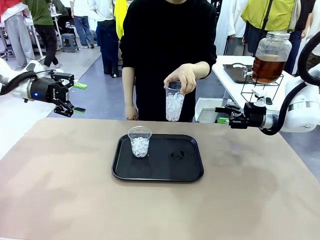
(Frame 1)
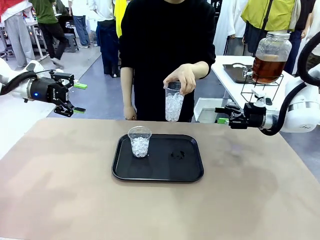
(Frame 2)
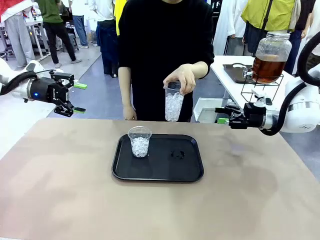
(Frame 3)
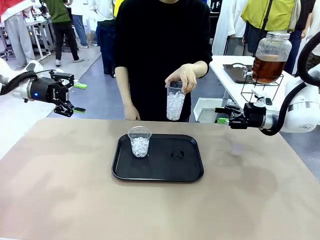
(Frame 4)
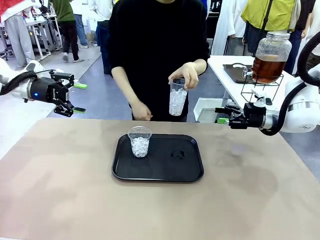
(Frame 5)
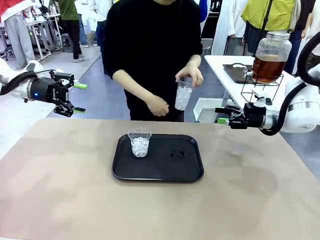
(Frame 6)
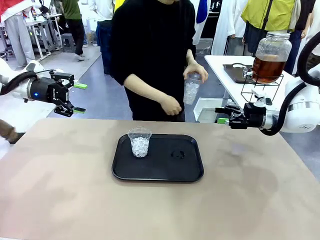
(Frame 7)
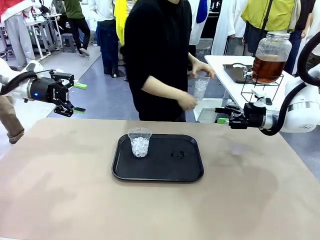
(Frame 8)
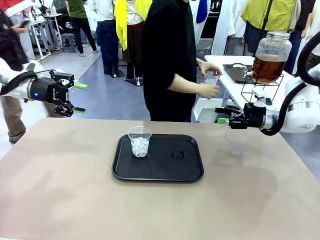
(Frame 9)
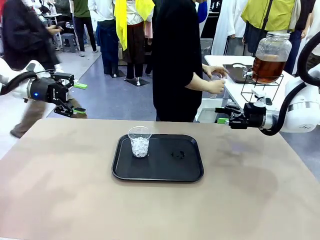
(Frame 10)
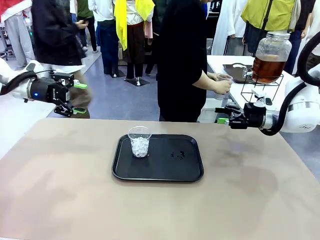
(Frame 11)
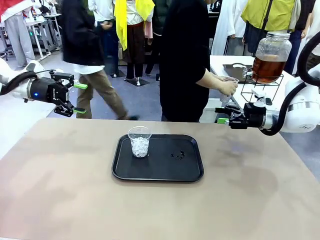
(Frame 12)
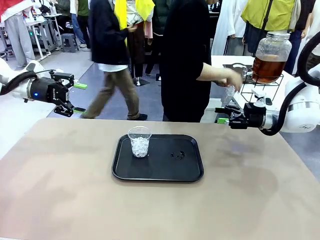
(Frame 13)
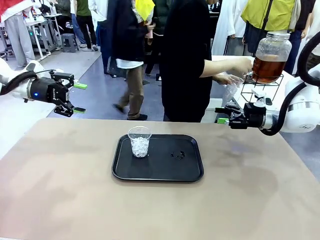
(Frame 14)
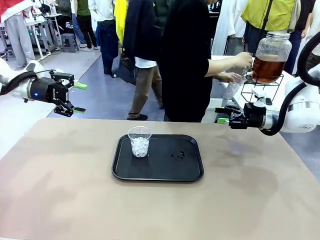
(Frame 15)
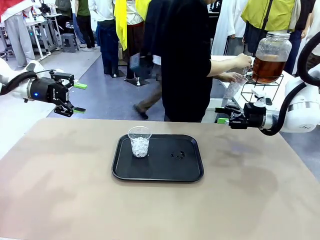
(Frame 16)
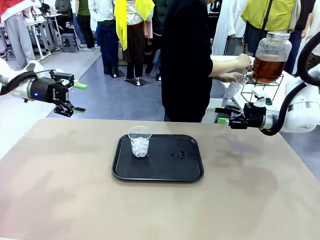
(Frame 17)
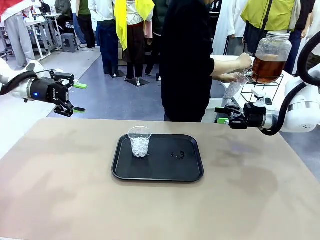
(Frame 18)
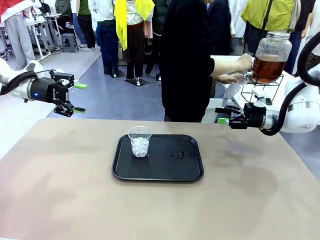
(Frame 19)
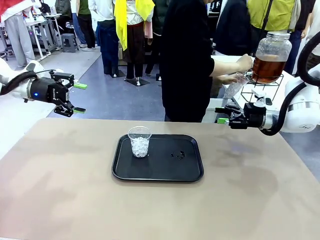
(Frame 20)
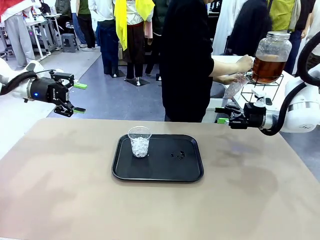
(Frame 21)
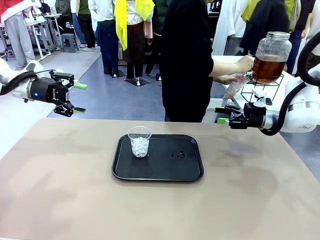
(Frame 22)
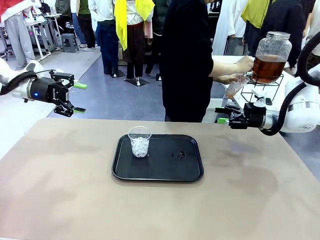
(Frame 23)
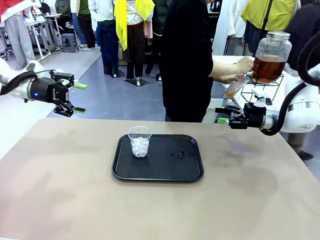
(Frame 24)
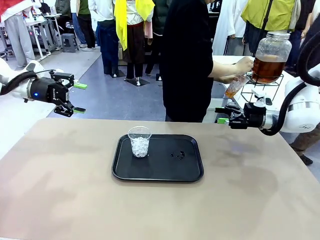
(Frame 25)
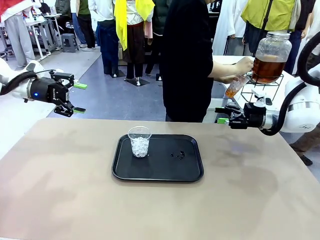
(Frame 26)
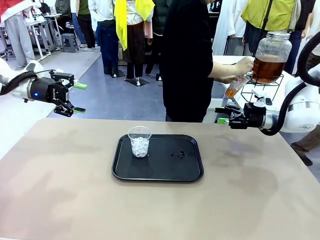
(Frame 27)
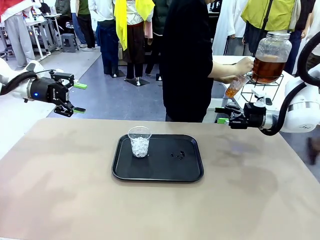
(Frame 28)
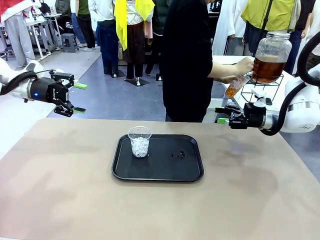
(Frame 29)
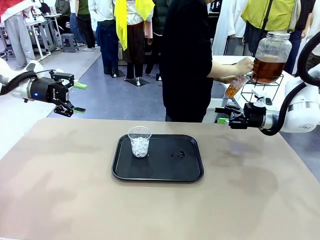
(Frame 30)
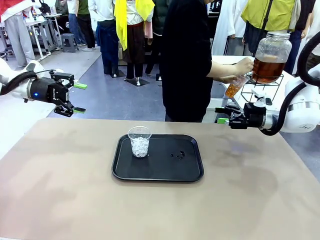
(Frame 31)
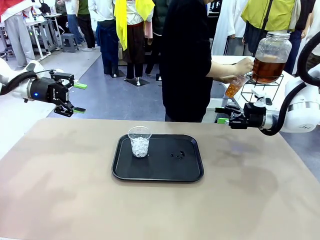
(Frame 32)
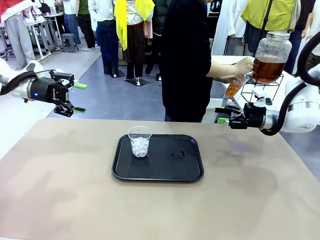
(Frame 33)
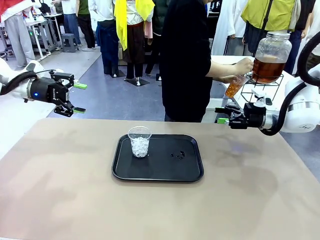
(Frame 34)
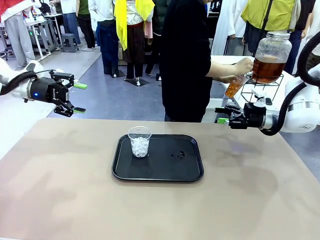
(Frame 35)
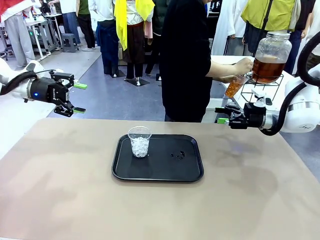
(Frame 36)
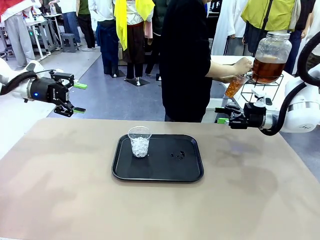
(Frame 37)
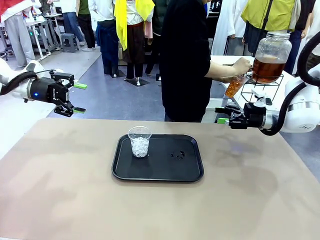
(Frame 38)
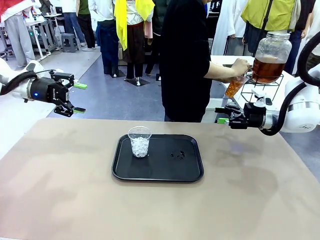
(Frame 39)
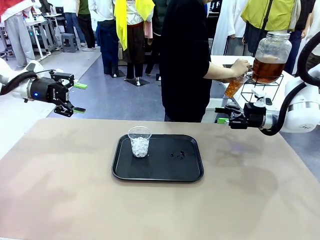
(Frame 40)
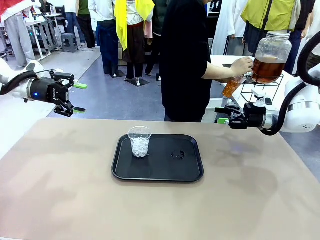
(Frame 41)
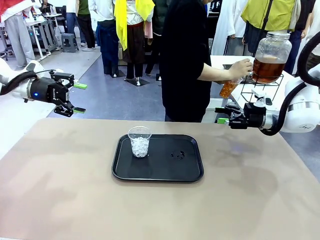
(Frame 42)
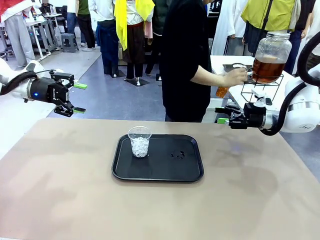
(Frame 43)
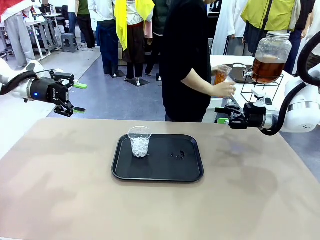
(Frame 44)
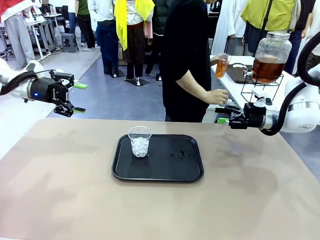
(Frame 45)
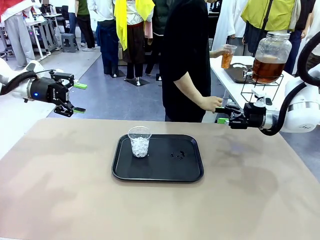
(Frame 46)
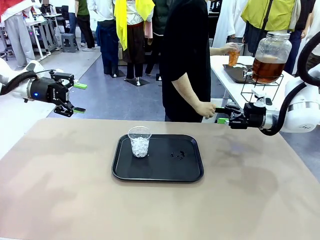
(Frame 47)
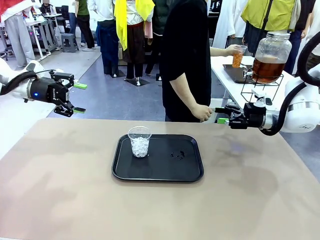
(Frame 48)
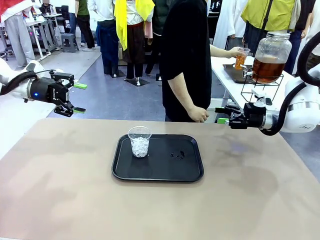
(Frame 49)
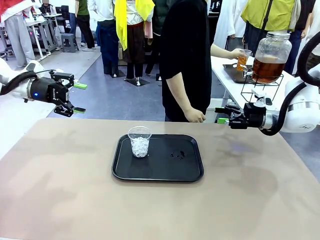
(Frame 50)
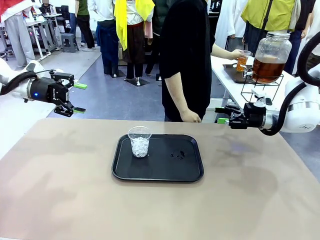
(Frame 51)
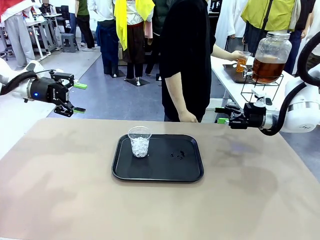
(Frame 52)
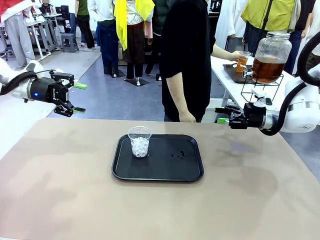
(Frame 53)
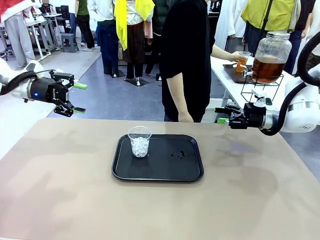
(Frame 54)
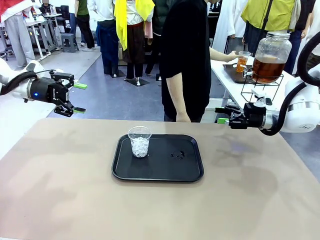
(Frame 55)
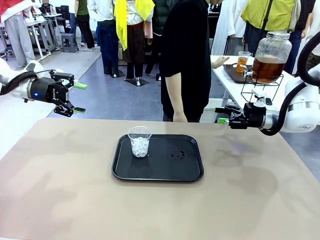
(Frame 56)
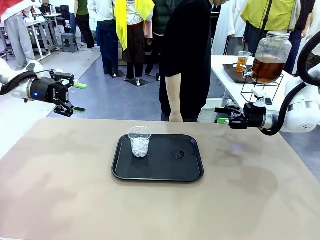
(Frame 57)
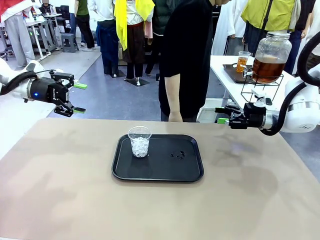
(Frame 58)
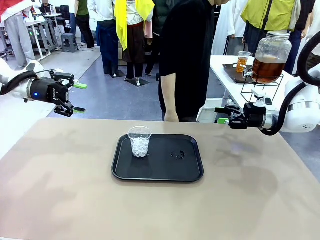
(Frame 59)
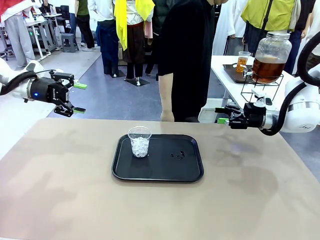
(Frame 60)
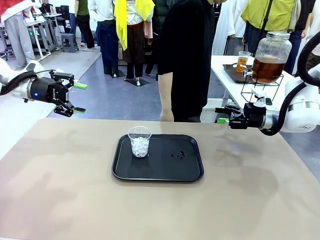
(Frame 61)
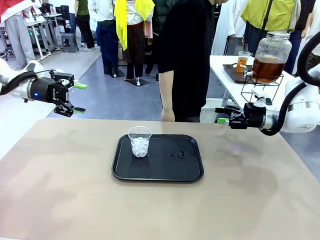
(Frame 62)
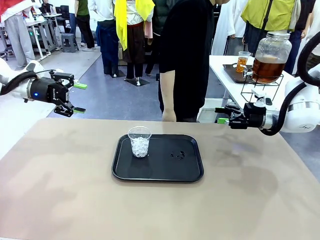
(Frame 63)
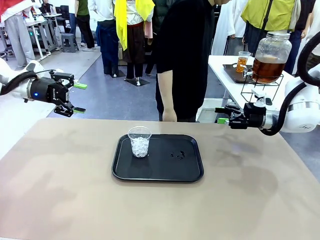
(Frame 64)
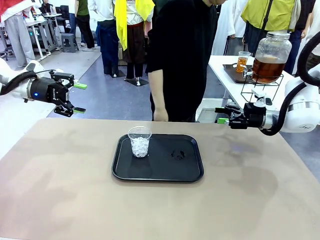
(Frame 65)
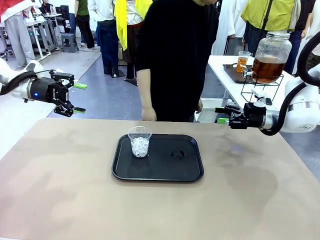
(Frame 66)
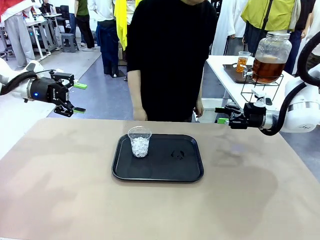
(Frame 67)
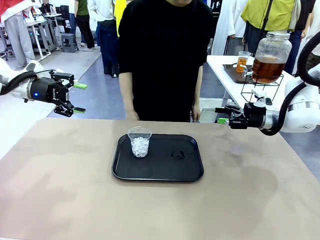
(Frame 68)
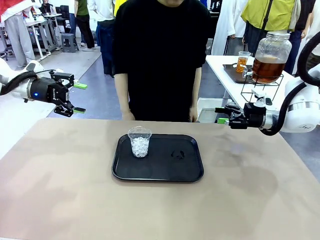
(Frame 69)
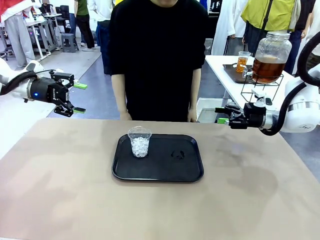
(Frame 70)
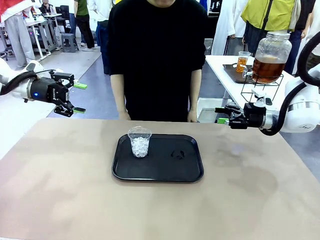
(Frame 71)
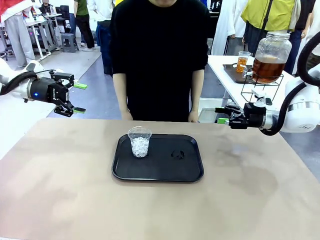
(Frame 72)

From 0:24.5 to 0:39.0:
Task: Pour the drink into the iced cup.
Robot: Pick up the iced cup indicated by the human and present it to them.
Person: Move the picked-up cup under the dispenser faucet, pour the drink, and place it on the tray on the human table. Point to the remaining ice cup on the robot table.
